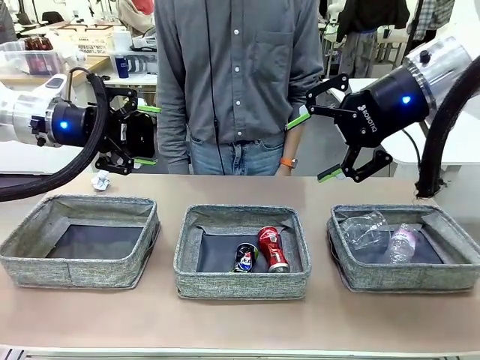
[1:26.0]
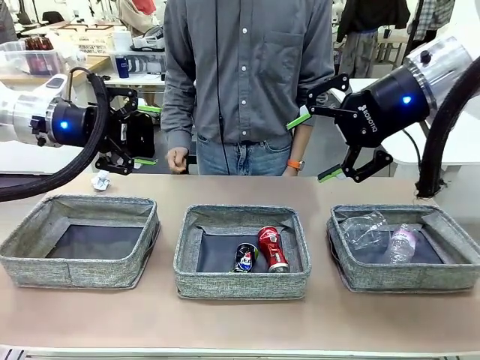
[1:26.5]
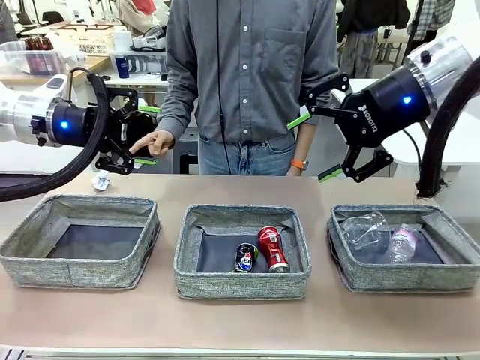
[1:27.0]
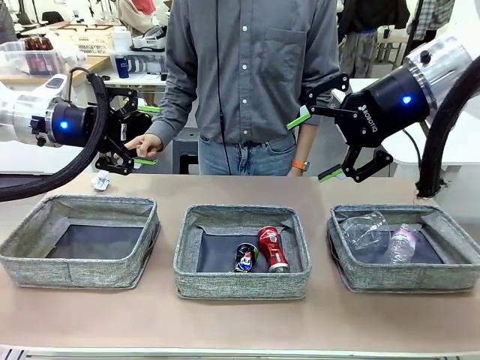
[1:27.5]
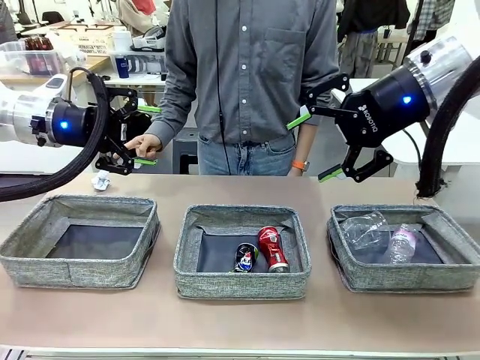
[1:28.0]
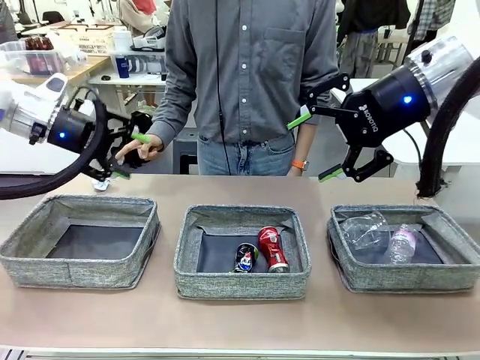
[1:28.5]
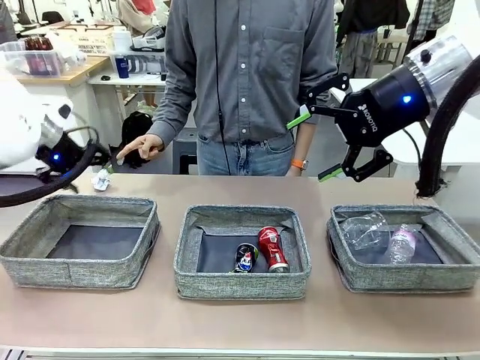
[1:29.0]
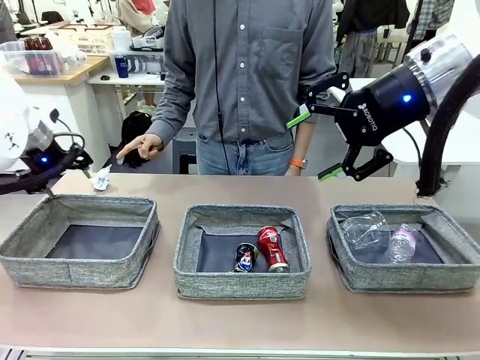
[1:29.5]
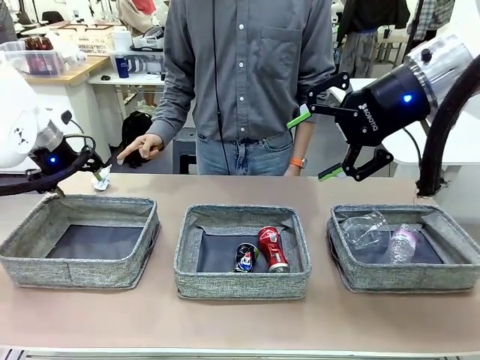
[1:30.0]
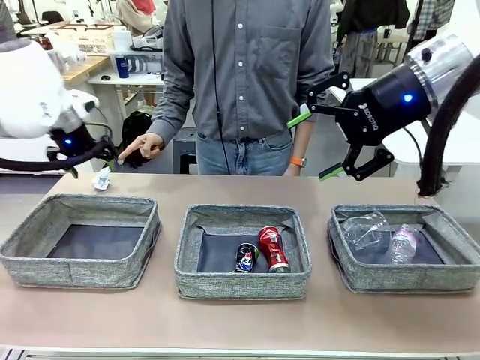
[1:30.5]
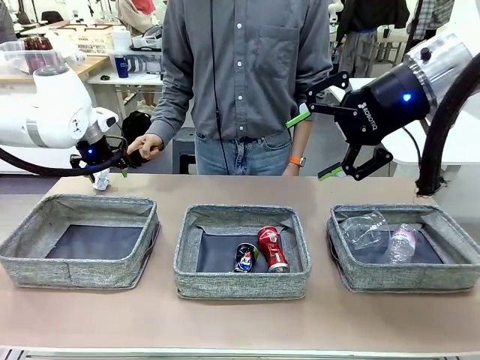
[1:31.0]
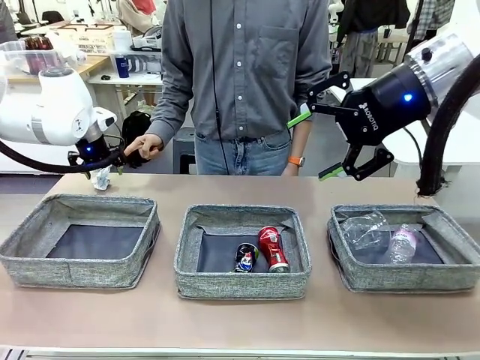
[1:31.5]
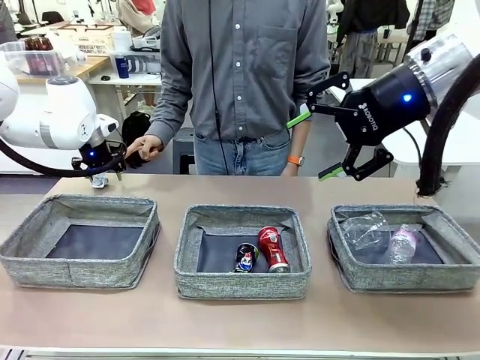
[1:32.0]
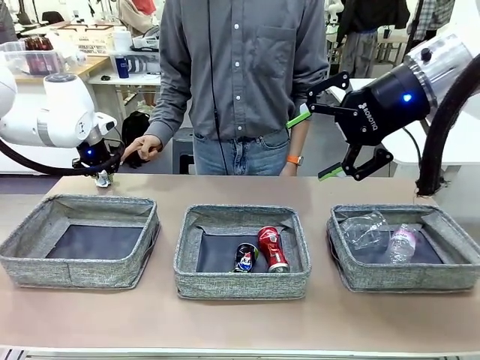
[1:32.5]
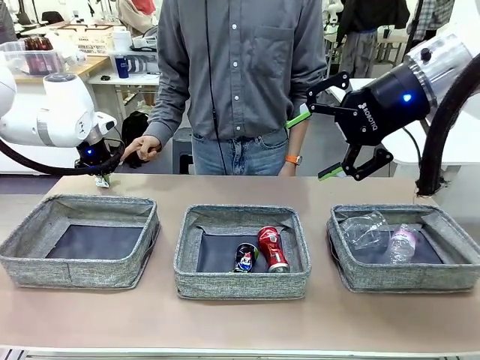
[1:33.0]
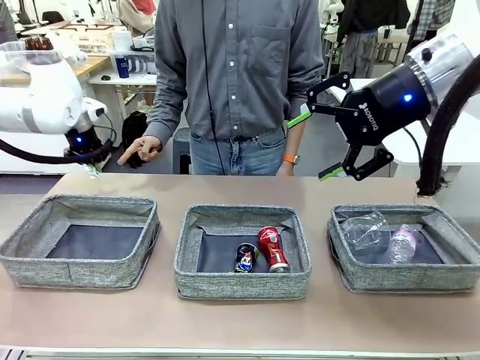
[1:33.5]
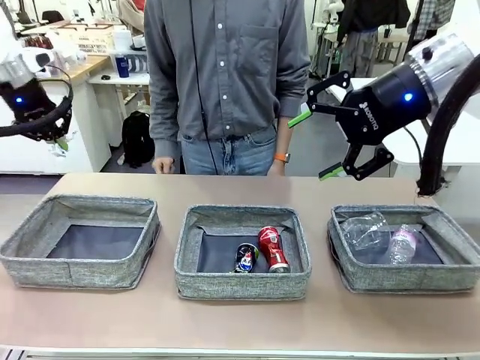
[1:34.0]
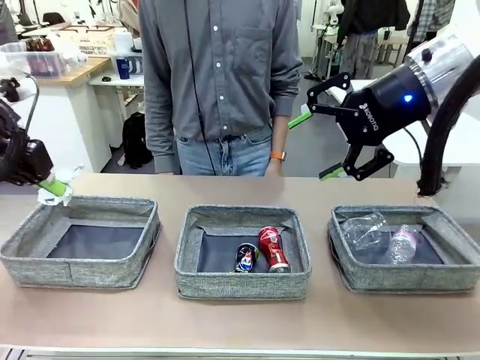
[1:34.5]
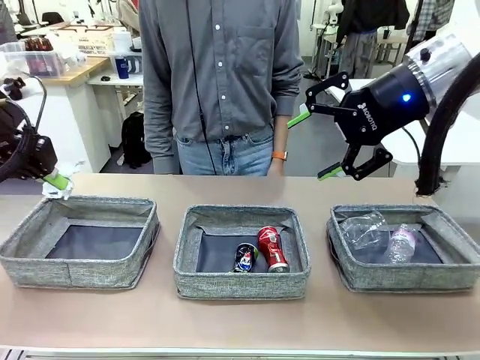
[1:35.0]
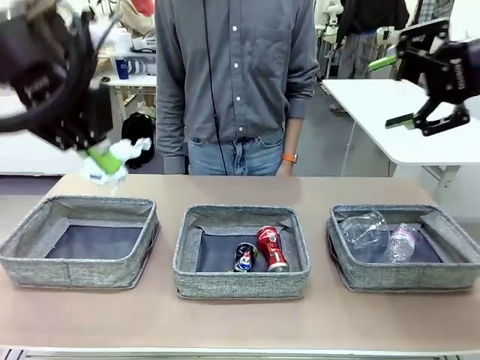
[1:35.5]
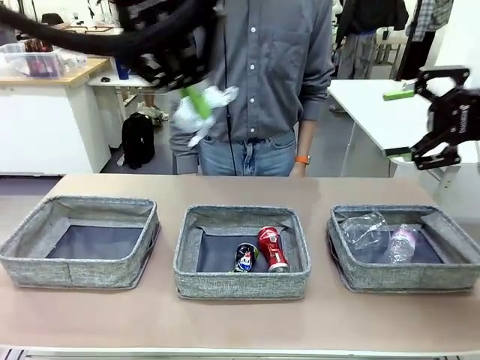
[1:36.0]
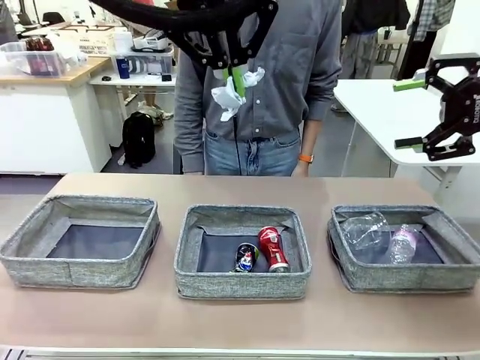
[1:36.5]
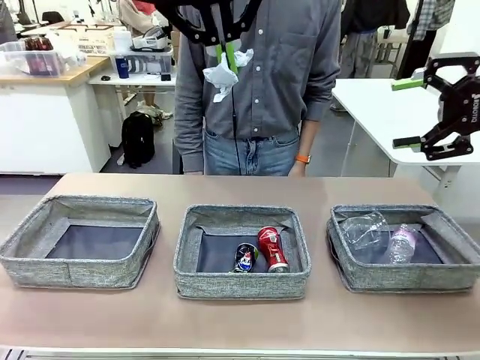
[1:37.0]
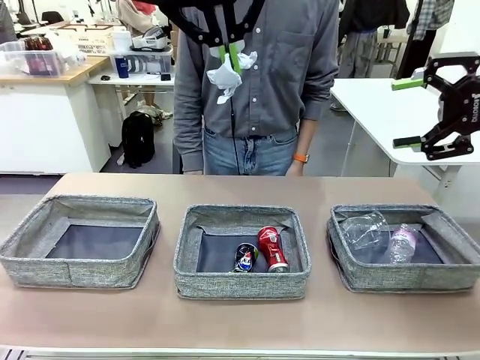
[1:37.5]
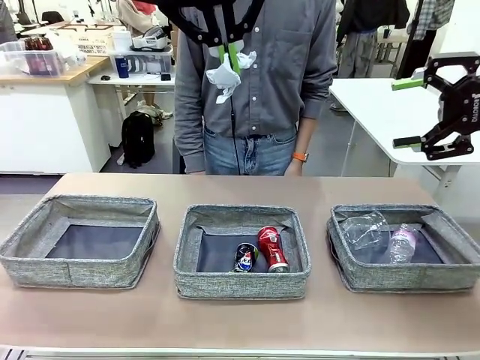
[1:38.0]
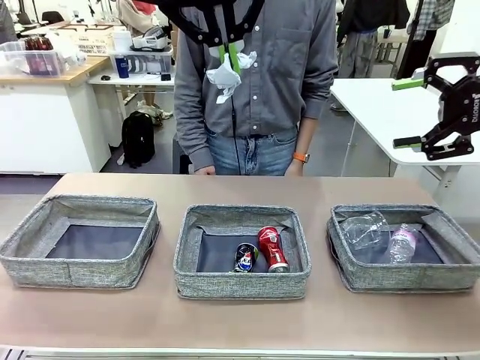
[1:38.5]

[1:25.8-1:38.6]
Task: Sort the waste into the appropriate baskets.
Robot: Pick up the waste item pointed out by the person.
Person: Points to one piece of trash on the table.

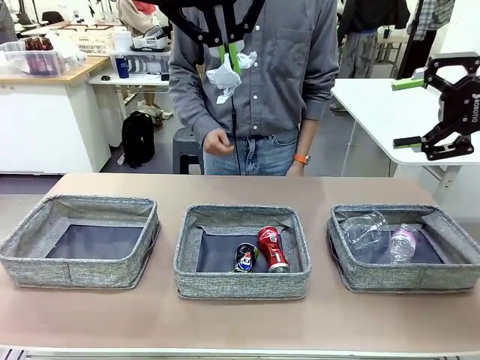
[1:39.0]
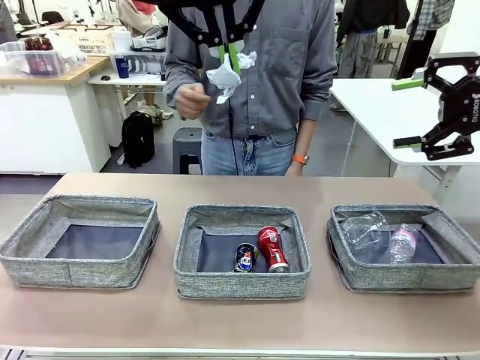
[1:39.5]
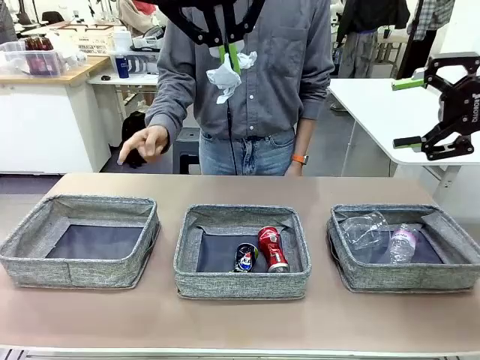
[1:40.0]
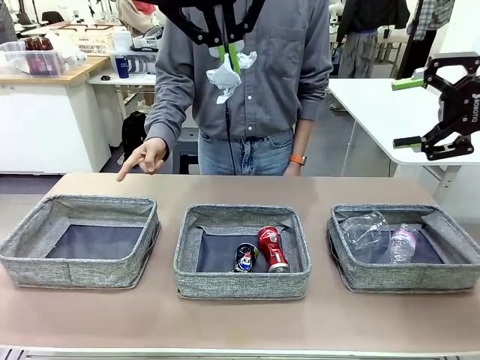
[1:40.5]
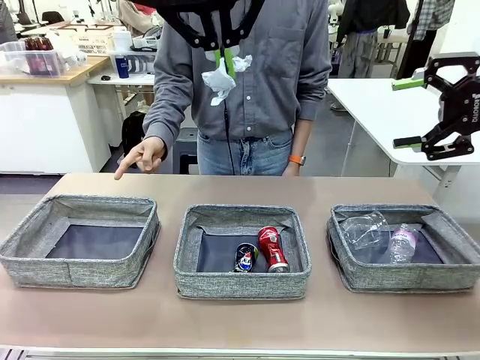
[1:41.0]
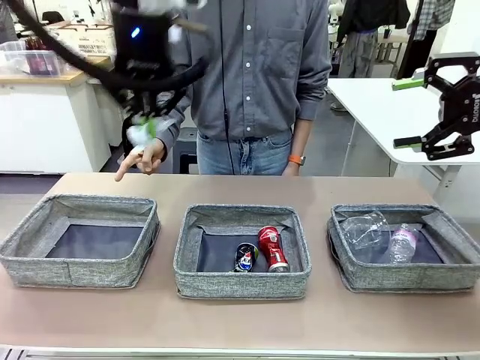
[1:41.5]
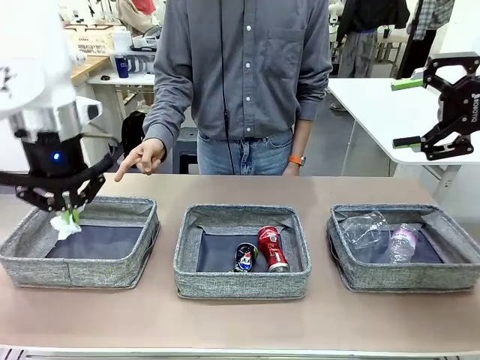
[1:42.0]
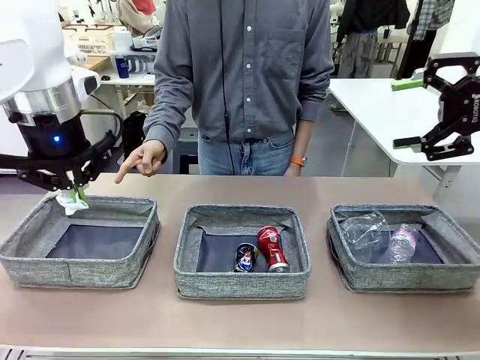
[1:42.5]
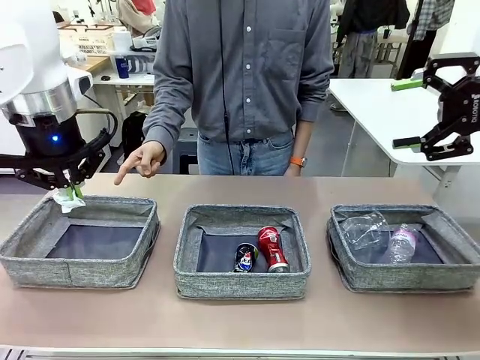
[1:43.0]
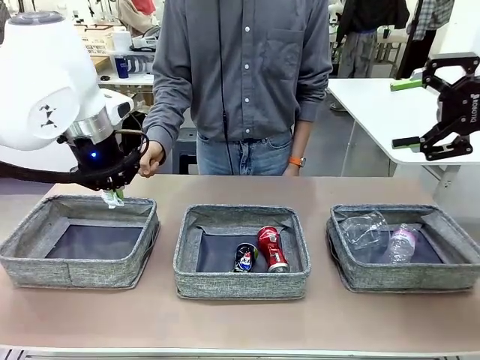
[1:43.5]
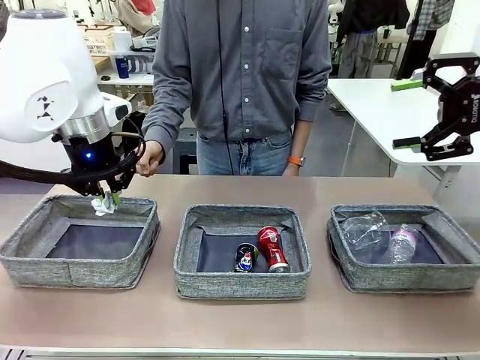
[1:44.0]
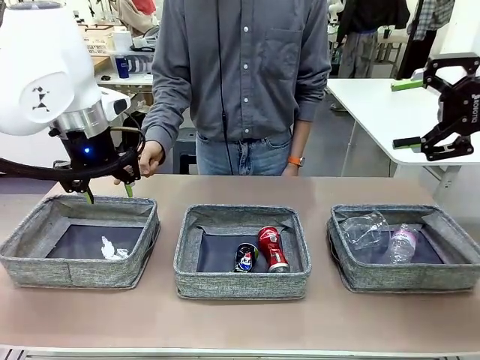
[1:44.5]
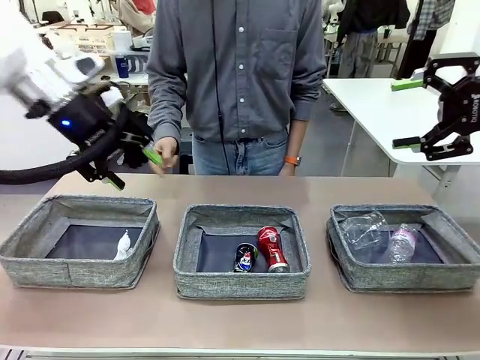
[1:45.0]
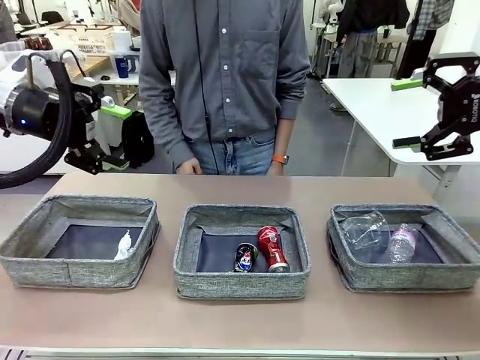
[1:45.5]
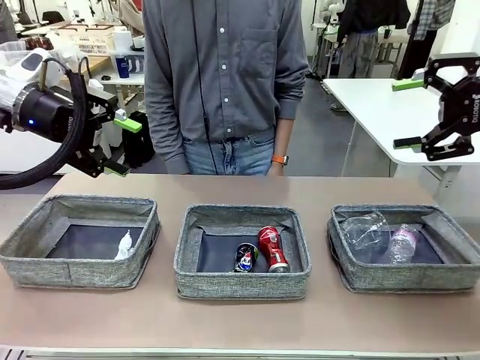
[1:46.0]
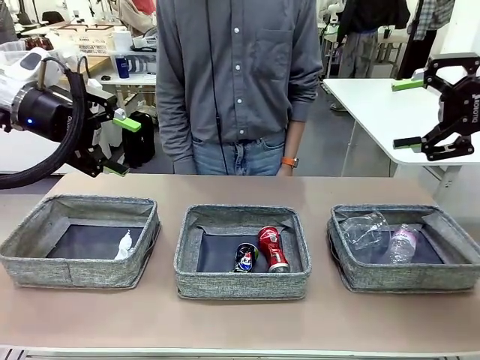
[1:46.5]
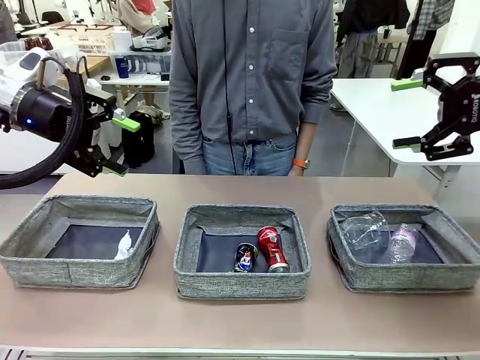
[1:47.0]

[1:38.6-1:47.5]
Robot: Place the picked waste into the Fabric basket indicated by the person.
Person: Instructs the robot to place the picked-up trash into the appropriate organizing basket.

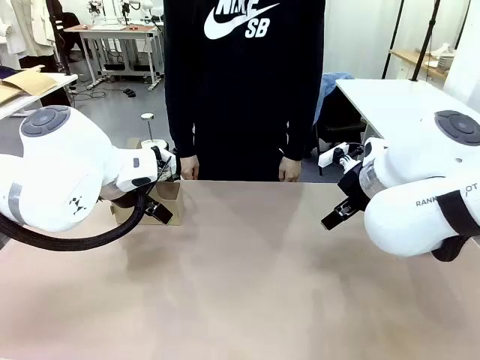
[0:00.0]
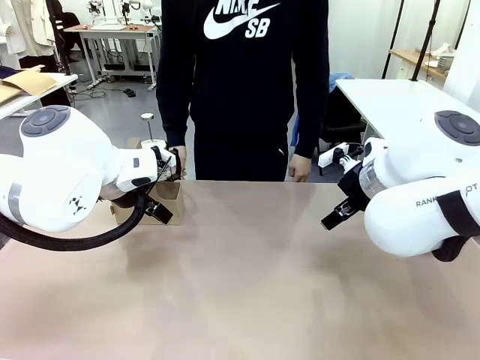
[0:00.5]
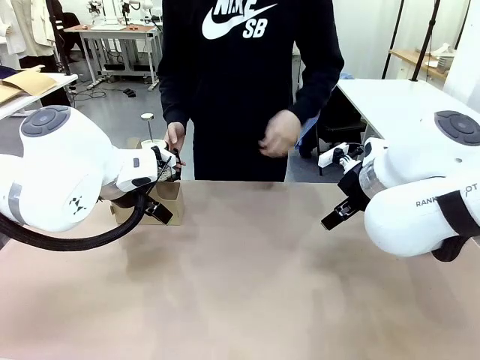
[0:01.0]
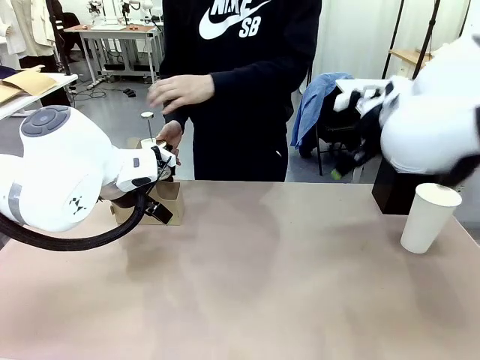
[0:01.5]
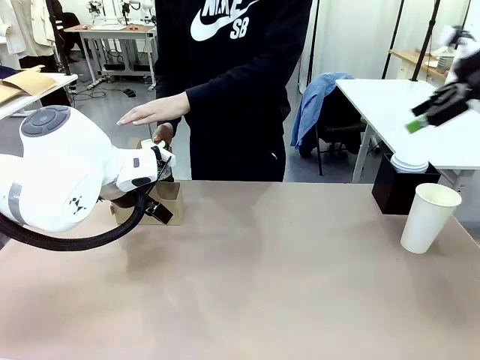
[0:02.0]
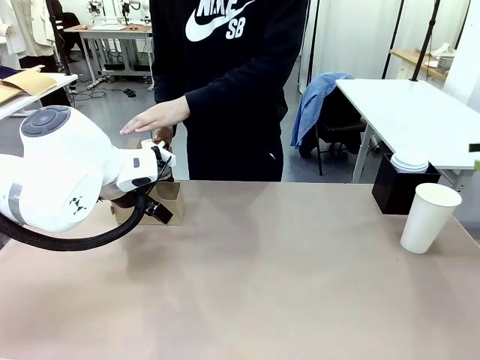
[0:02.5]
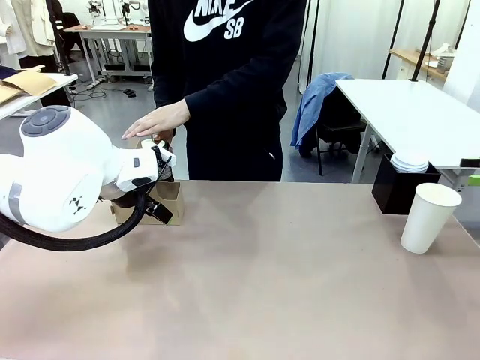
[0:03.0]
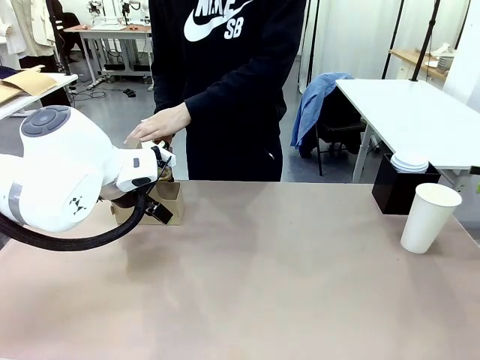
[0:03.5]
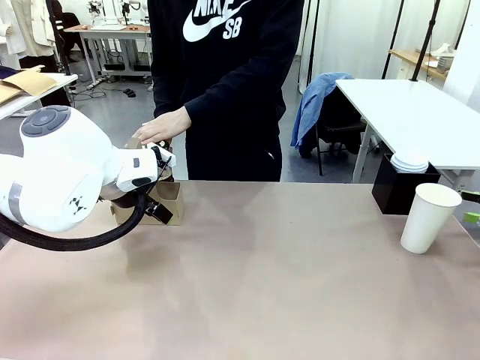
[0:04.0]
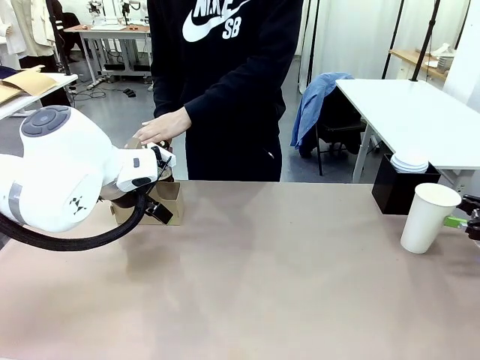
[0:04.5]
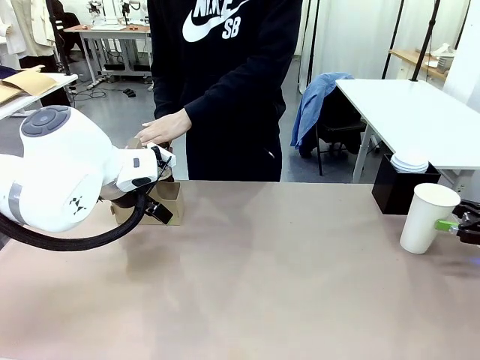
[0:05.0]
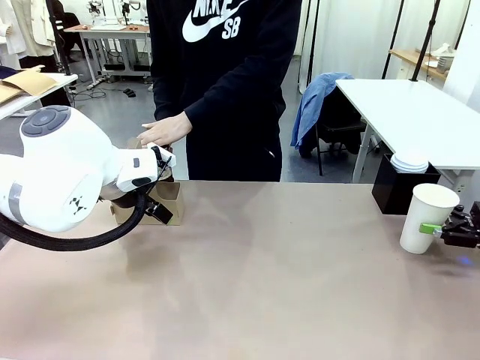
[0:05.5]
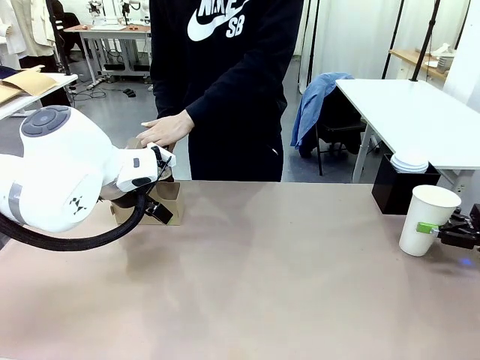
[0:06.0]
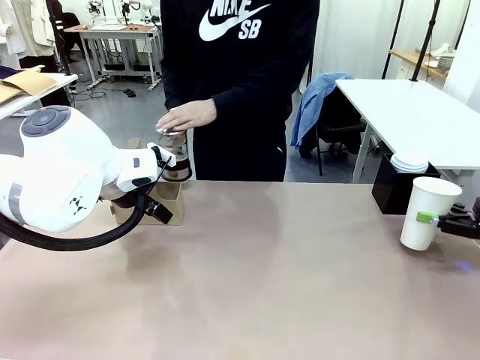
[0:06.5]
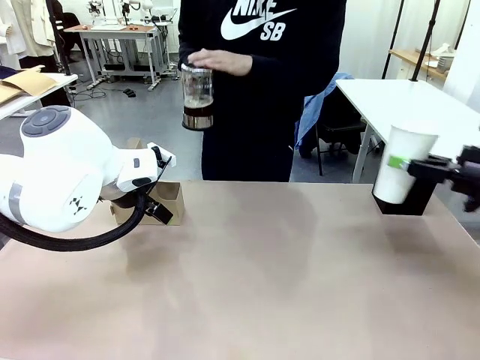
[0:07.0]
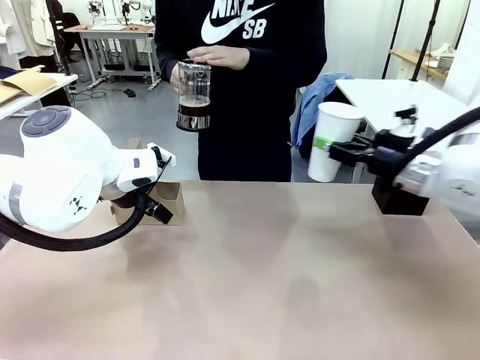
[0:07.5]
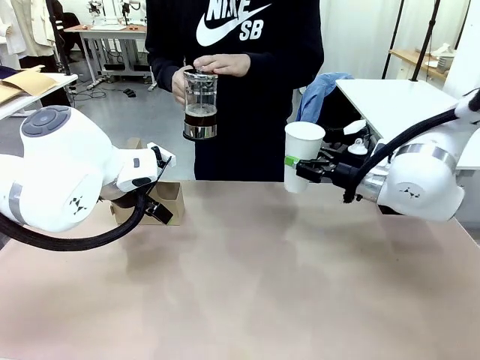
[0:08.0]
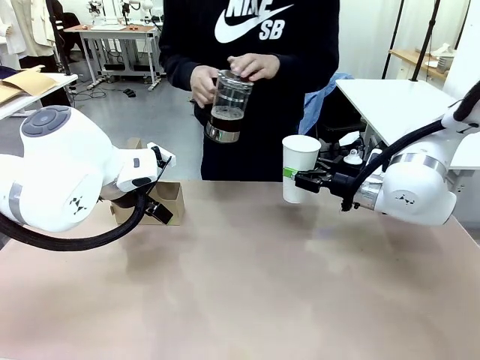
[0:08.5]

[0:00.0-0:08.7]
Task: Pour a drink into a cup and package it in a carrier.
Robot: Pick up the 600 ml Paper Cup and place it in the middle top area of the table.
Person: Press and pick up the Filter Brewing.
